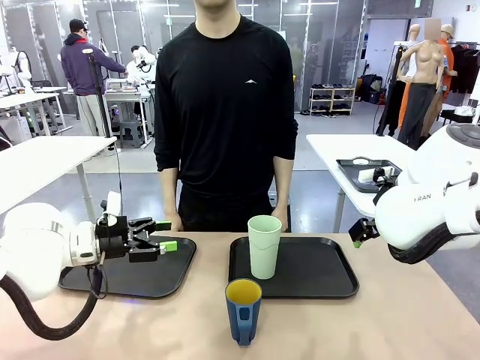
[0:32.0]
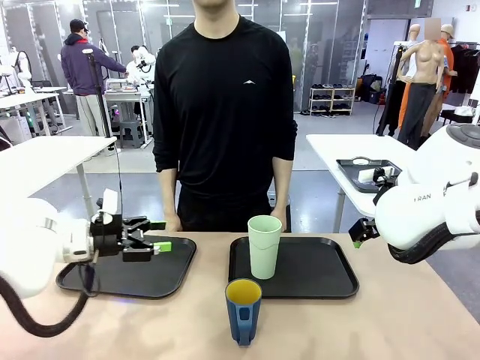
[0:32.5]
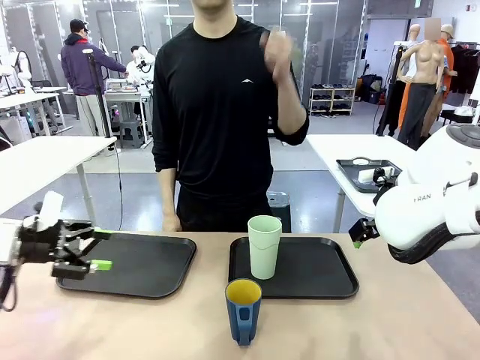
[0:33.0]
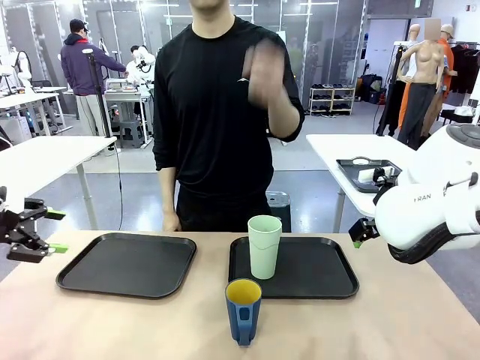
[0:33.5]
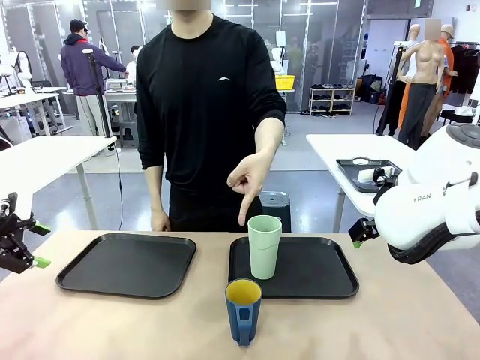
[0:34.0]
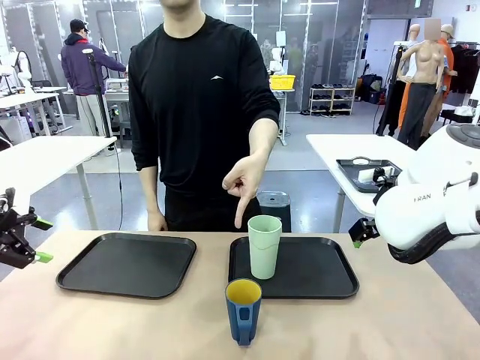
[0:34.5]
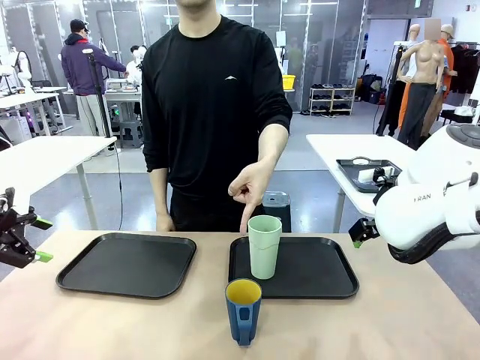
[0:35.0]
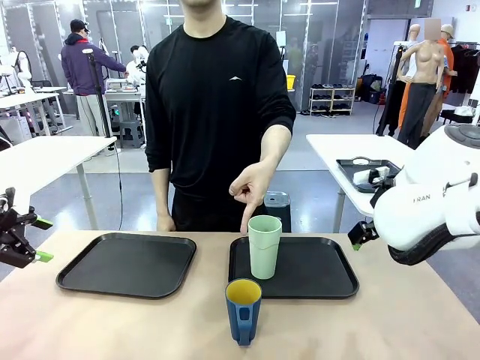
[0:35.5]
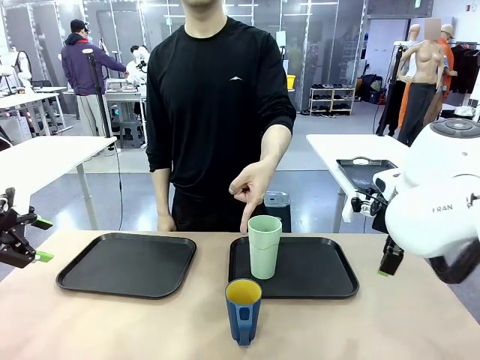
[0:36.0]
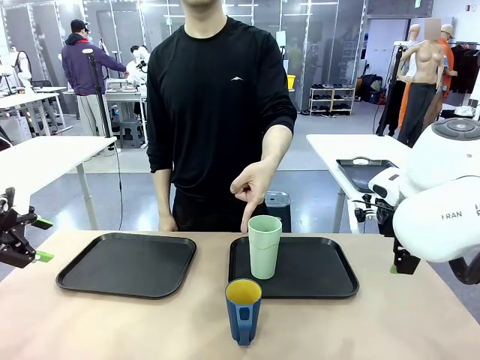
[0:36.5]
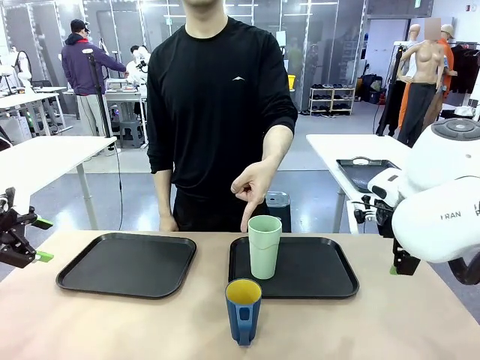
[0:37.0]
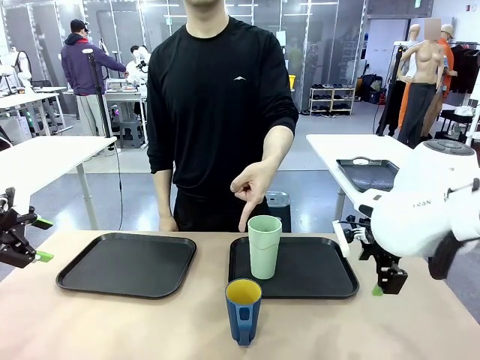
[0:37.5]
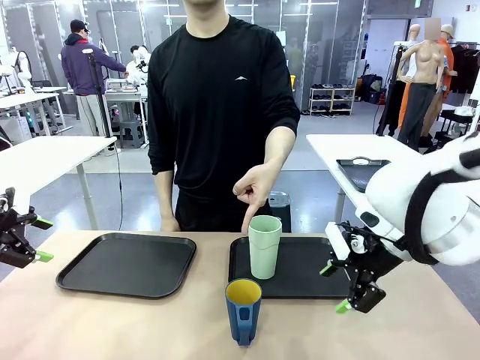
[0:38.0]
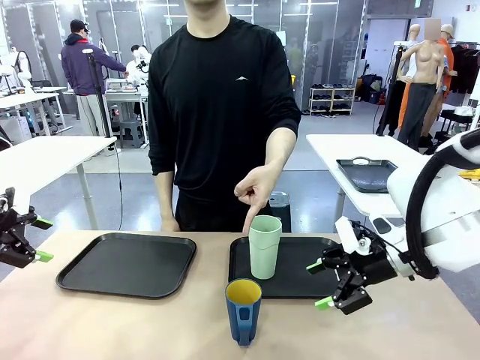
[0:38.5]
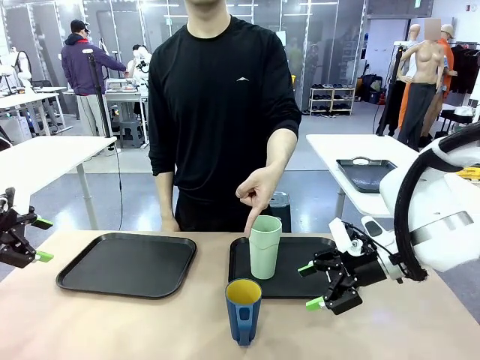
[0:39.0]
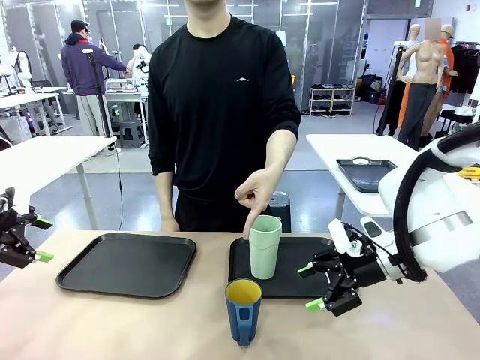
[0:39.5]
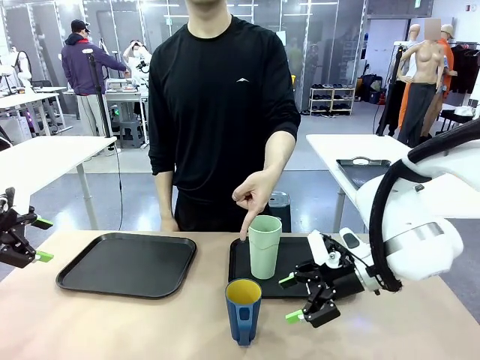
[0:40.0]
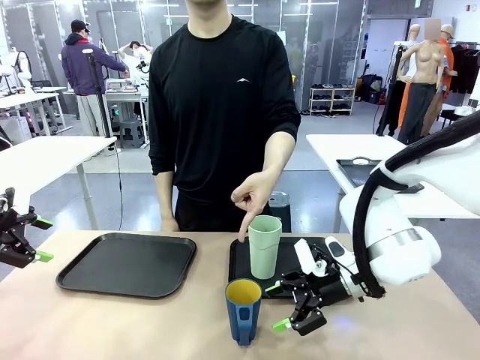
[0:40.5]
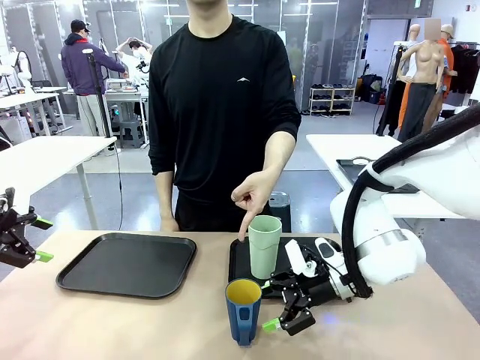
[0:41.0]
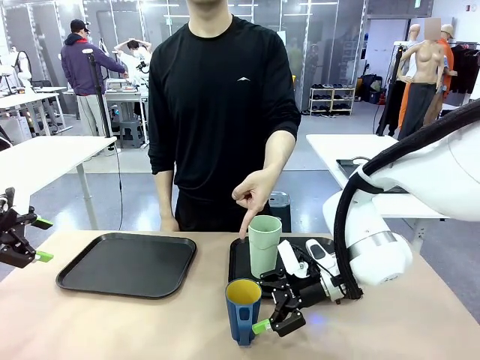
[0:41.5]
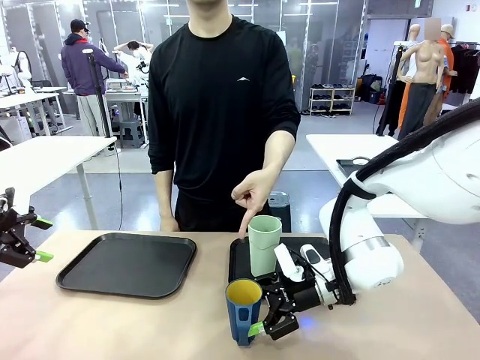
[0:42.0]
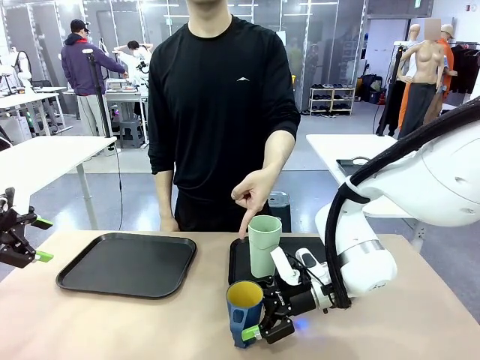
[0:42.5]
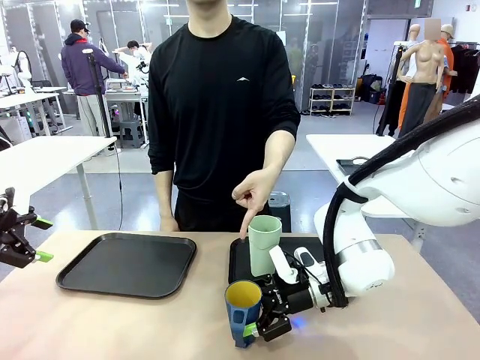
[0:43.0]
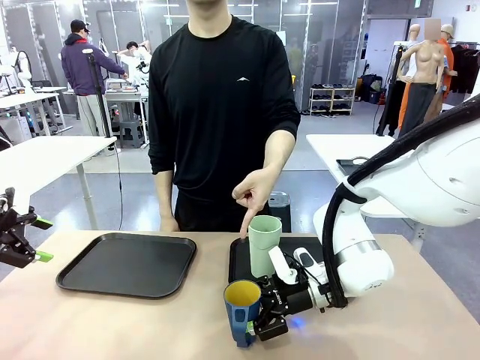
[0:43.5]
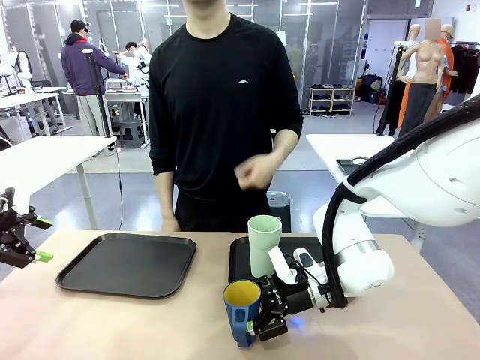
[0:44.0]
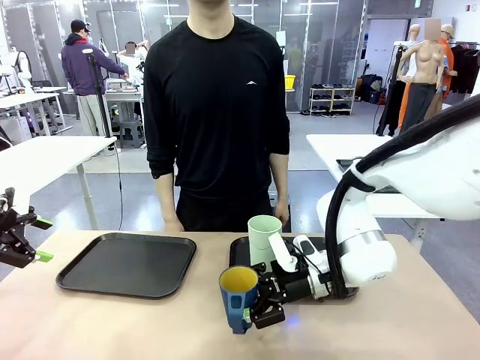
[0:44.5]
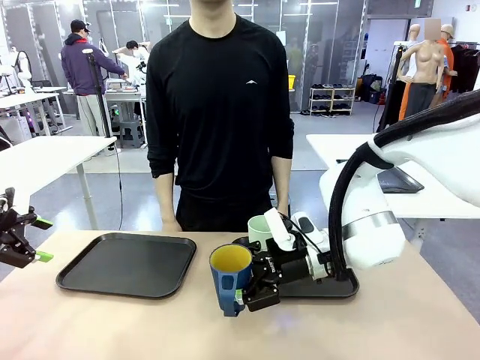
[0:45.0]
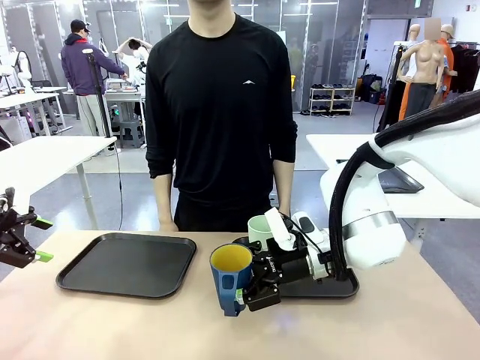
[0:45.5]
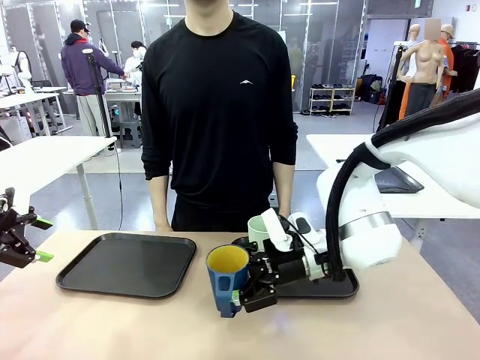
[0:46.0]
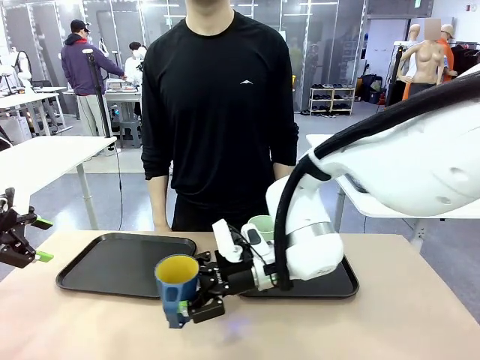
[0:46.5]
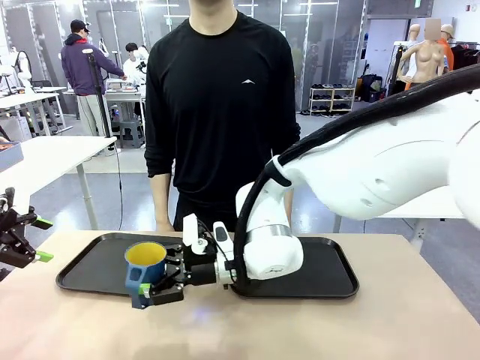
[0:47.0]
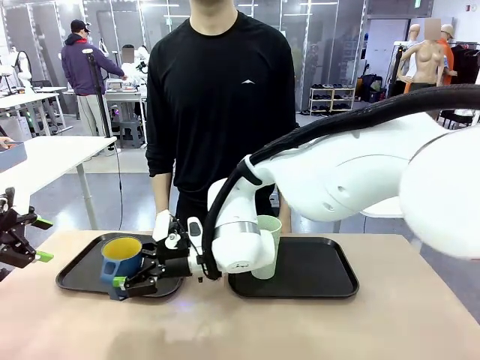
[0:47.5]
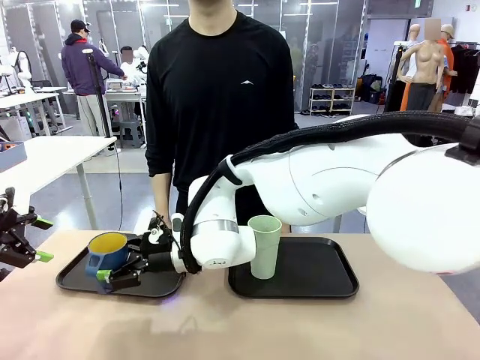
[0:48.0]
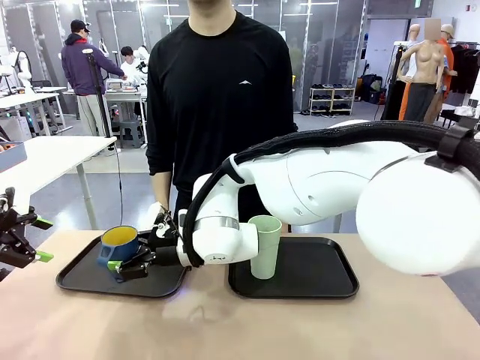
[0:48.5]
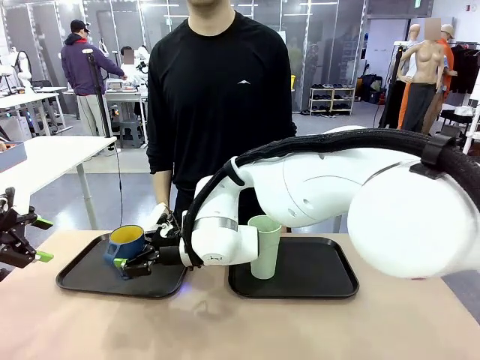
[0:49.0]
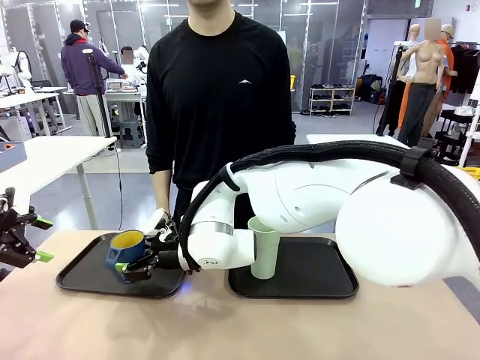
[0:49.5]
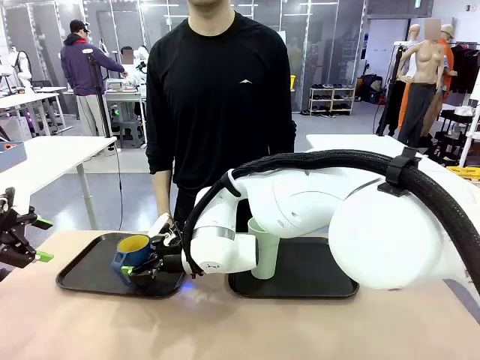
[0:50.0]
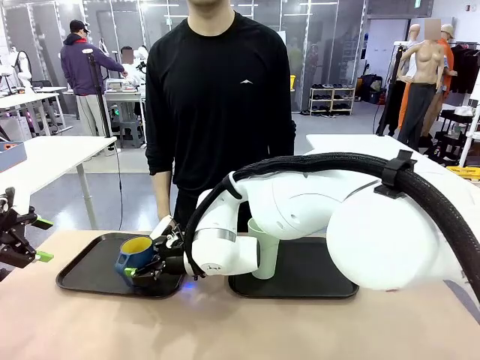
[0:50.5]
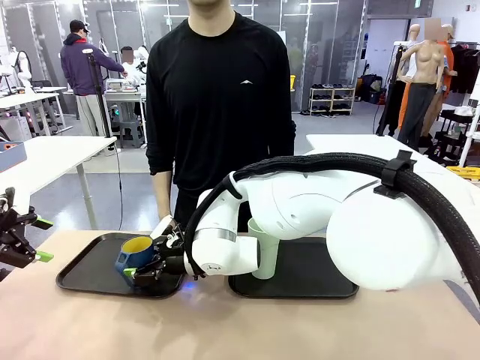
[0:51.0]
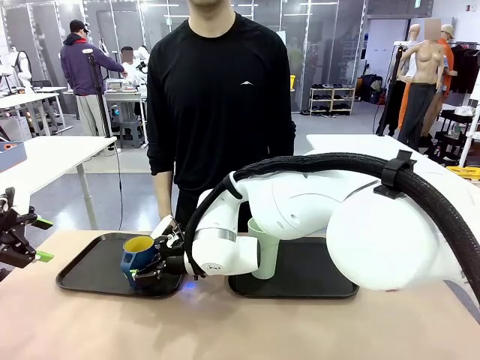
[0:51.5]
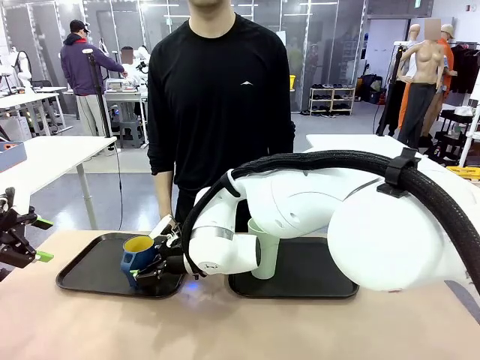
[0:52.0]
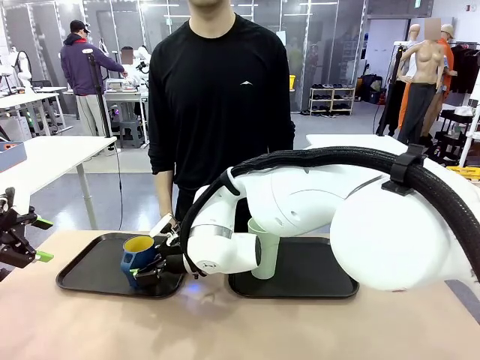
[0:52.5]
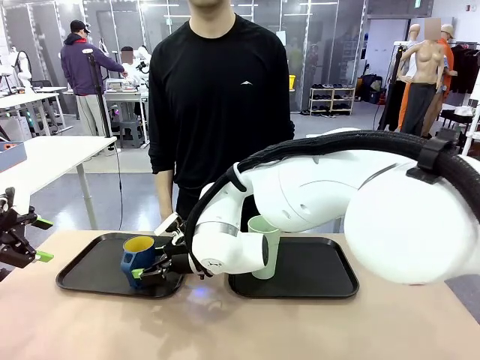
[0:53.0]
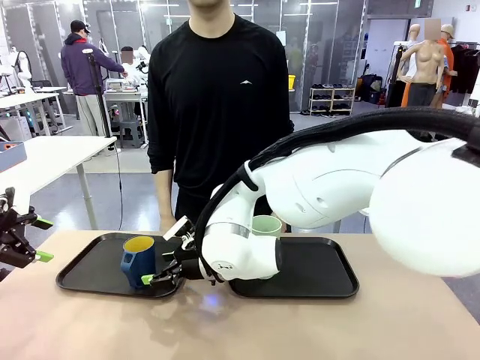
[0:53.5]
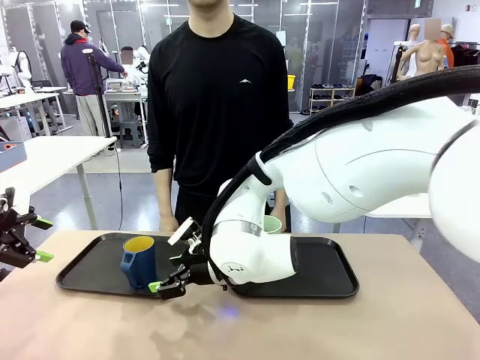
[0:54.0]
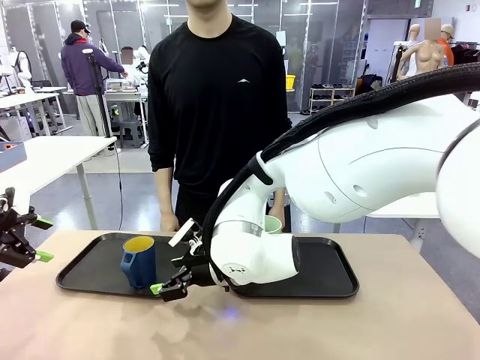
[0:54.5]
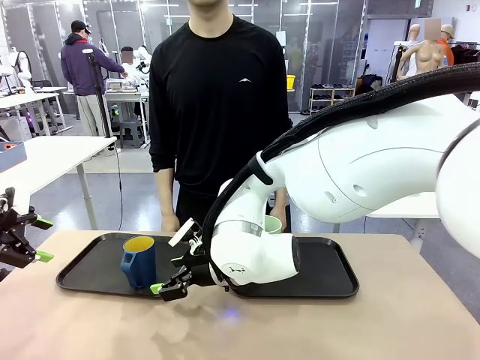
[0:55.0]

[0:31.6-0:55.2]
Task: Sort and store the cups by type.
Robot: Pick up the Handle plastic cup and place it into the empty Flat Tray.
Person: Points to the cup with a handle.

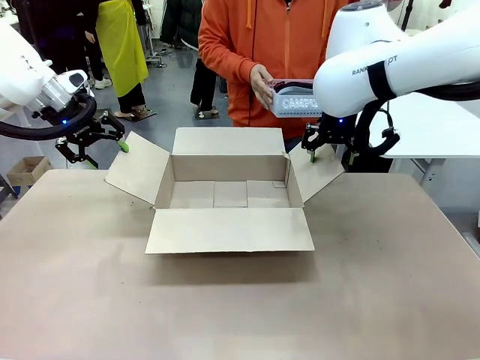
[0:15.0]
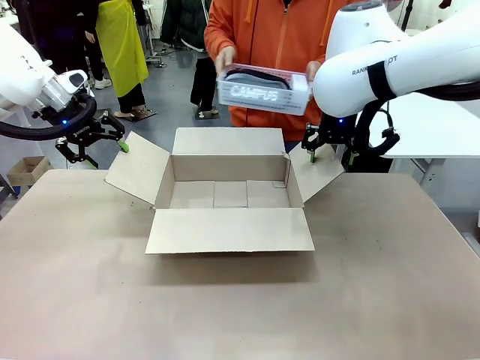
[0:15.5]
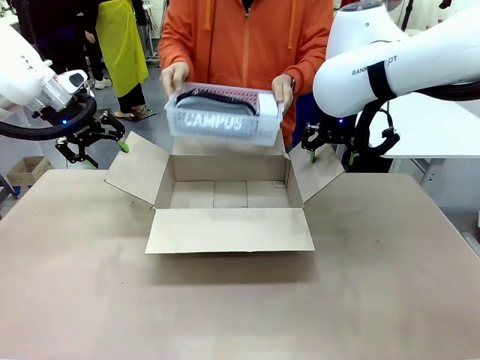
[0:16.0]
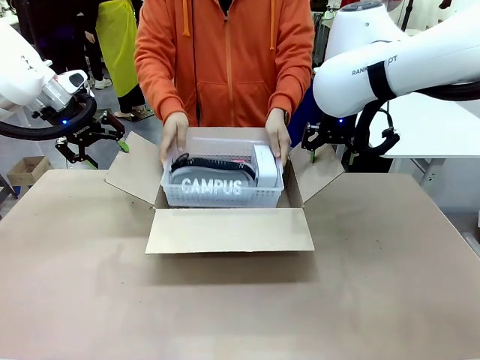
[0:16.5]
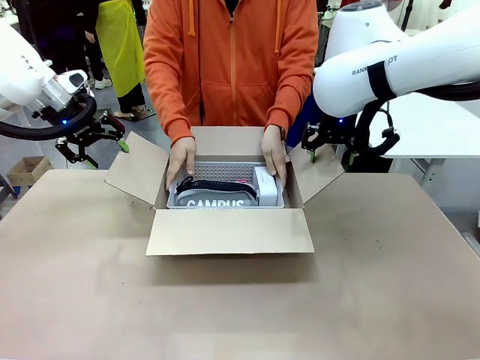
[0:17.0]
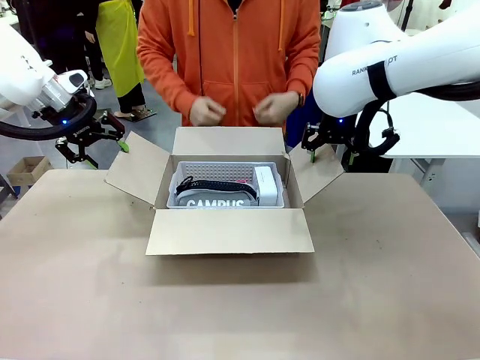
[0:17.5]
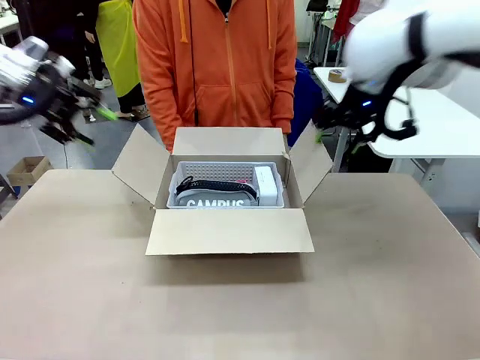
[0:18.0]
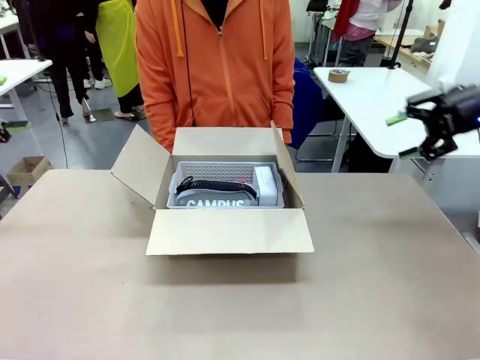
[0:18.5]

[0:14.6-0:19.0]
Task: Pack the gift set into the box.
Robot: Lift both hands away from the flaps of the Package Box.
Person: The human picks up the organizing basket and places the organizing basket into the package box on the robot table.
